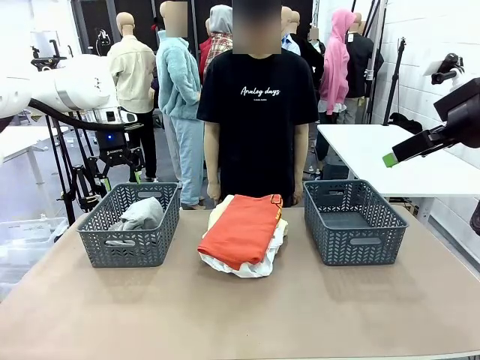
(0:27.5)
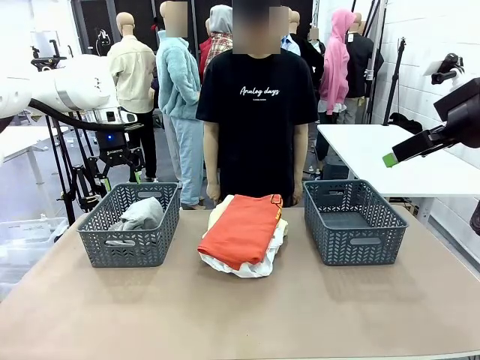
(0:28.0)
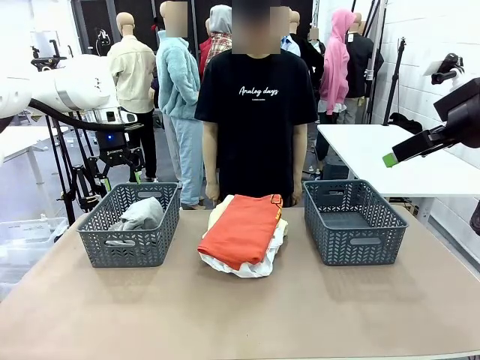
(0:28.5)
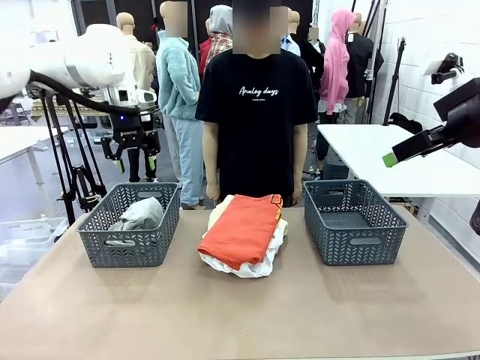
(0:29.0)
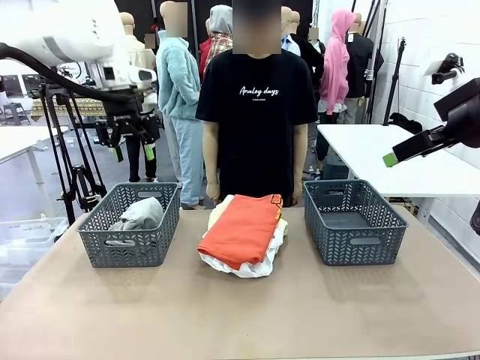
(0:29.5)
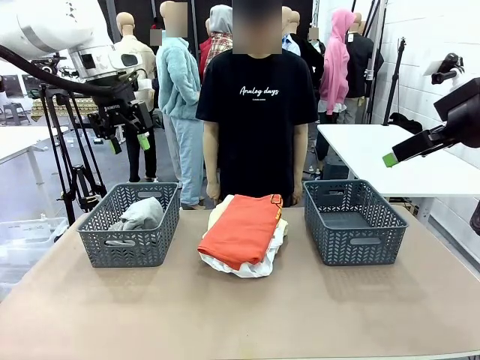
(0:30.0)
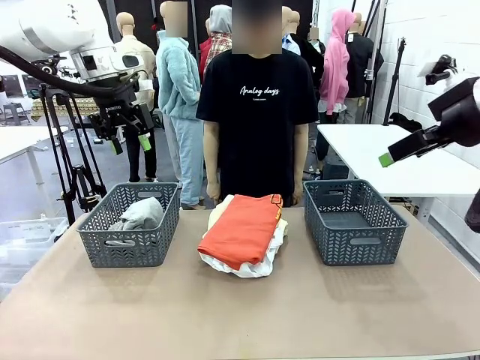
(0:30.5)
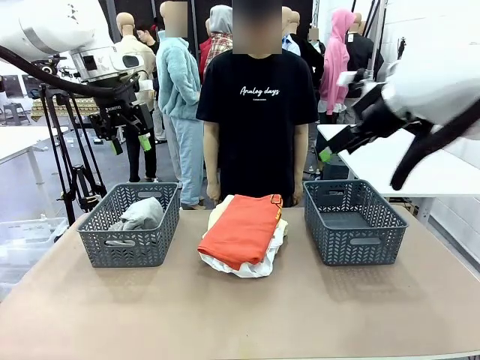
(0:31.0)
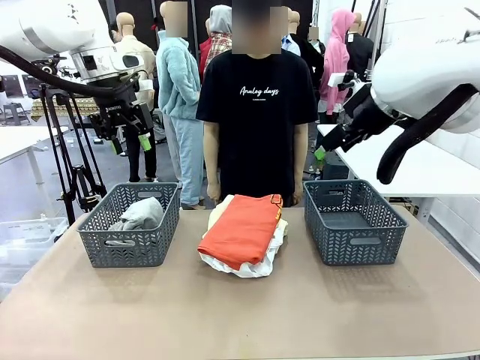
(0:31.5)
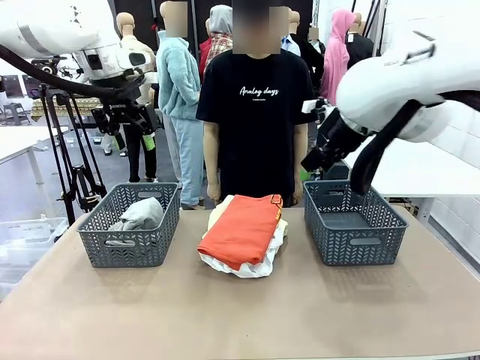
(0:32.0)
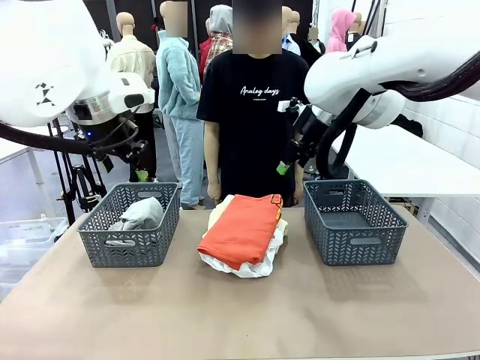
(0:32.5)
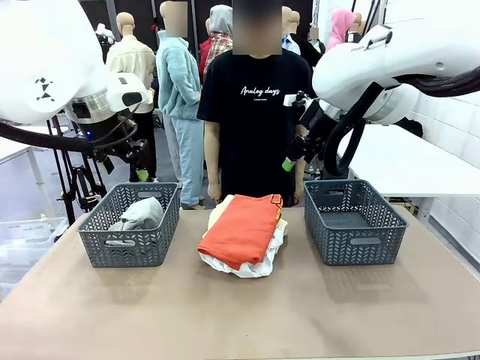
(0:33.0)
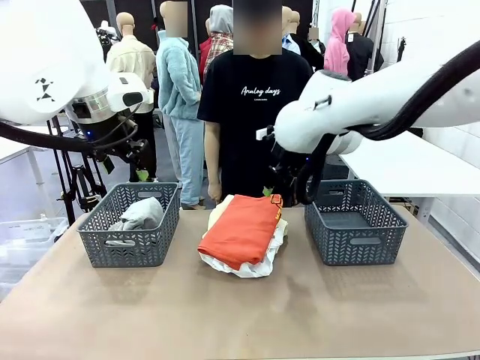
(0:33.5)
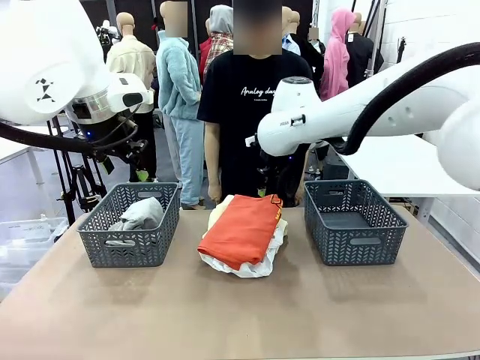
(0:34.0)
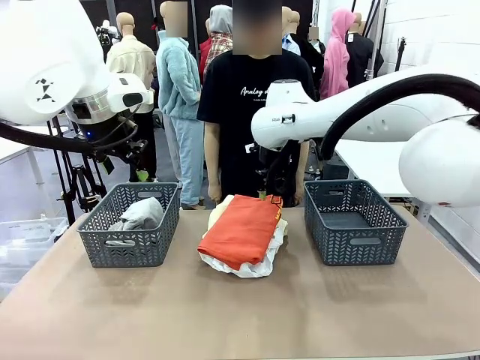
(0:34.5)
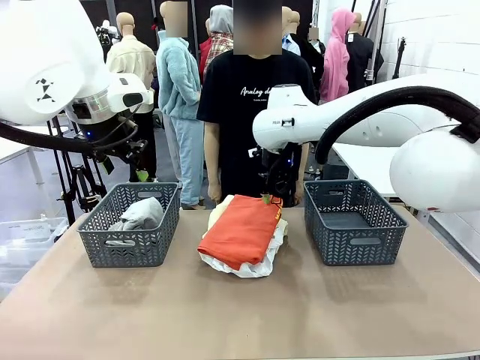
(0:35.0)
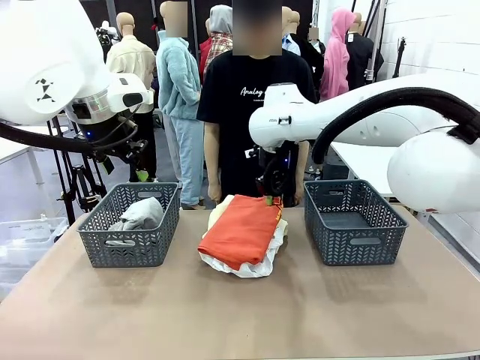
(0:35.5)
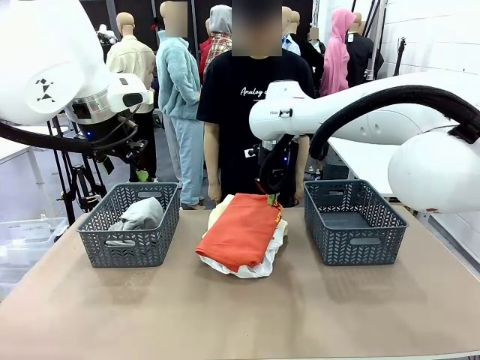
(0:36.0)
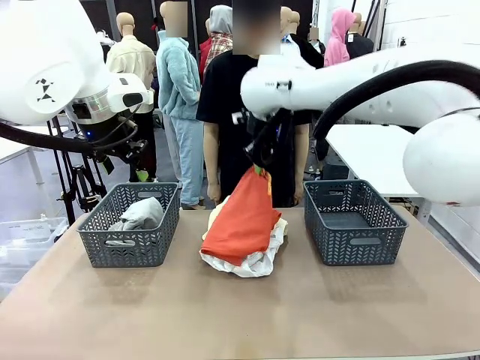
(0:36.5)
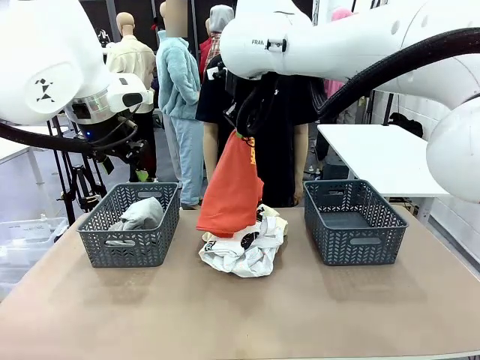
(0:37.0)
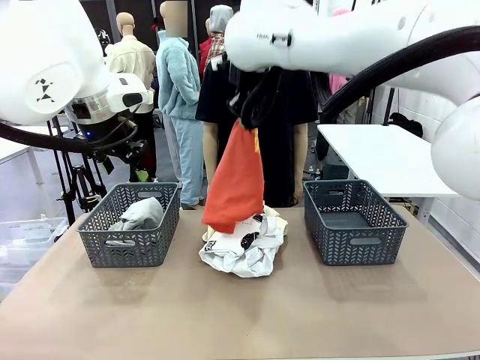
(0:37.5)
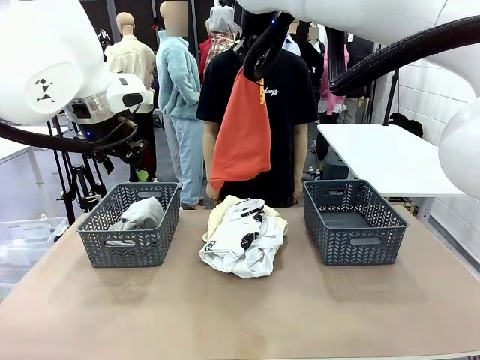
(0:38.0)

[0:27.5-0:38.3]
Task: Sort the tops and bottoms.
Robot: Lift clothes from the center of the table with your right hand.

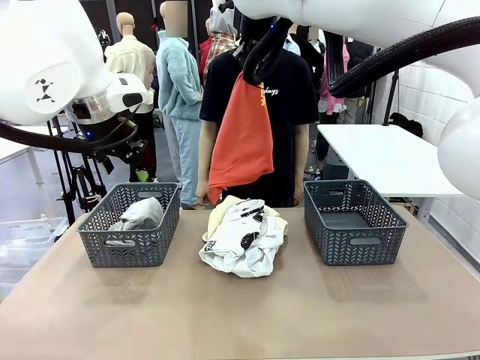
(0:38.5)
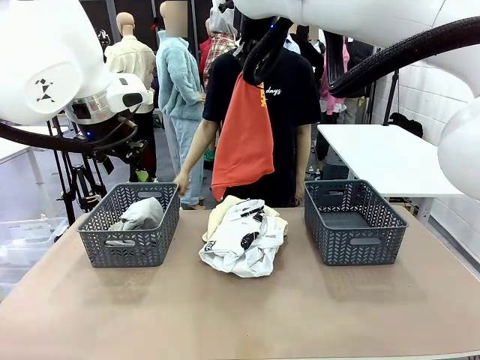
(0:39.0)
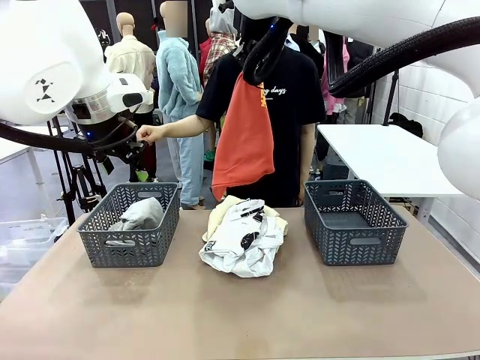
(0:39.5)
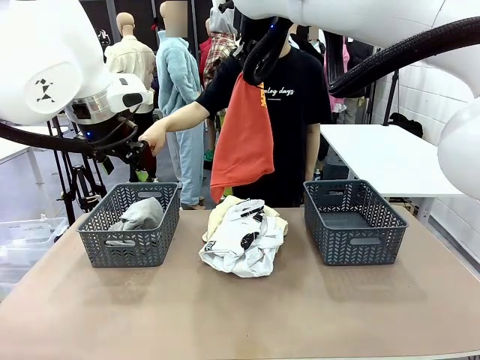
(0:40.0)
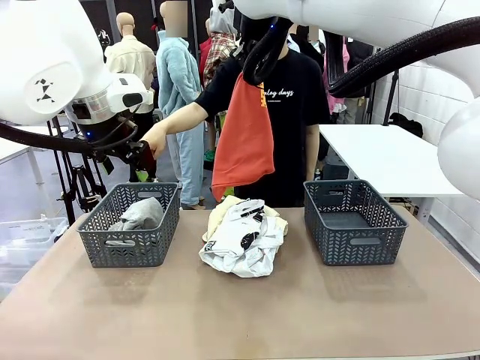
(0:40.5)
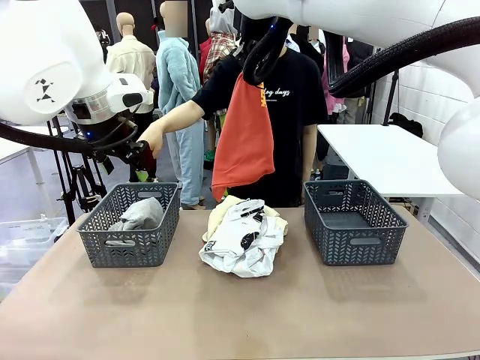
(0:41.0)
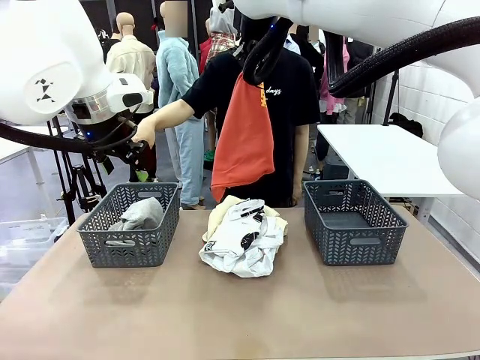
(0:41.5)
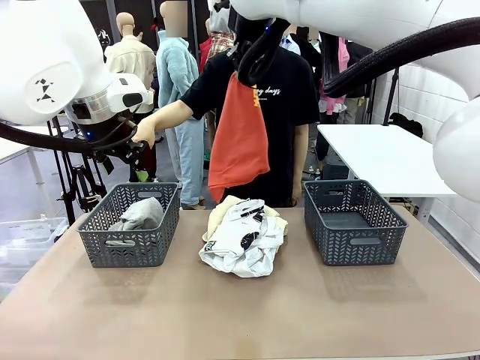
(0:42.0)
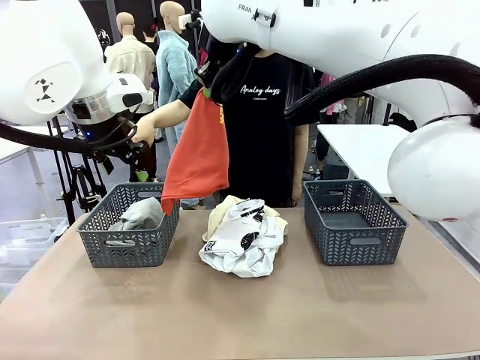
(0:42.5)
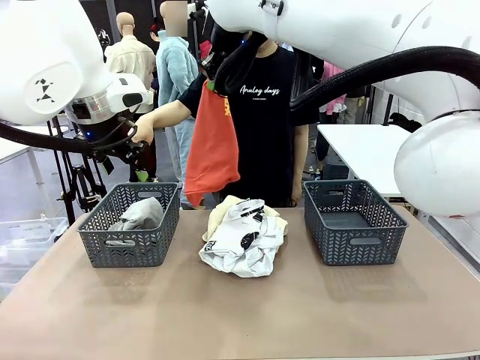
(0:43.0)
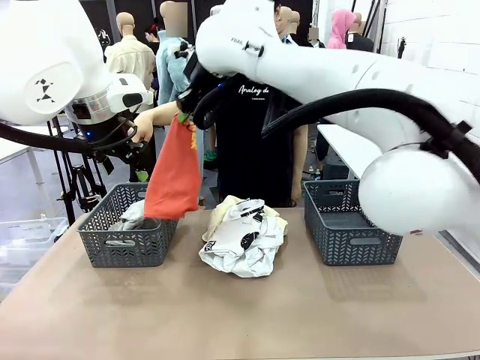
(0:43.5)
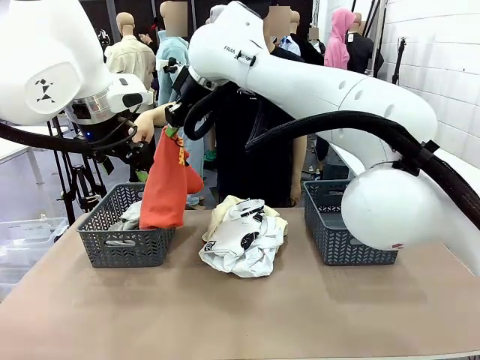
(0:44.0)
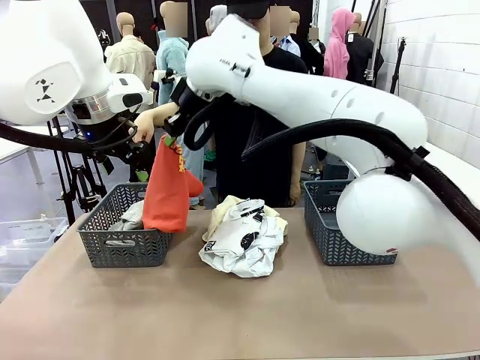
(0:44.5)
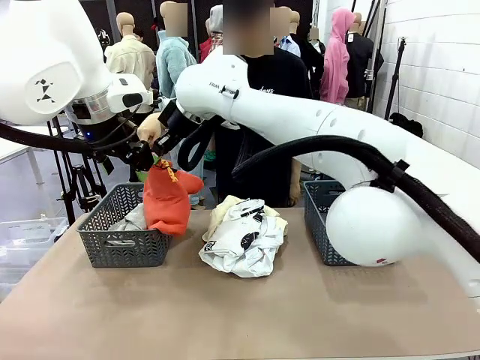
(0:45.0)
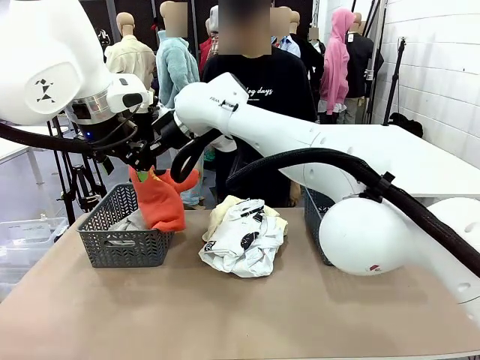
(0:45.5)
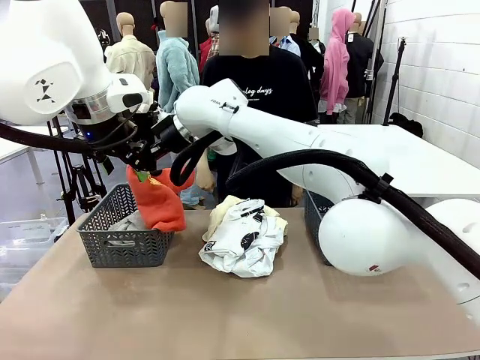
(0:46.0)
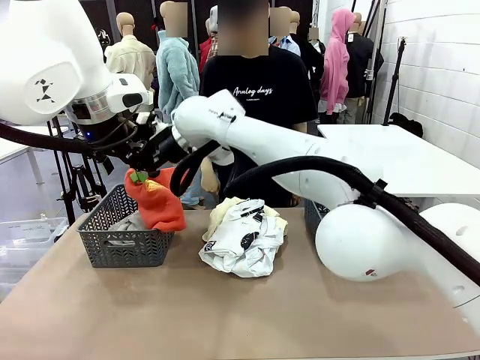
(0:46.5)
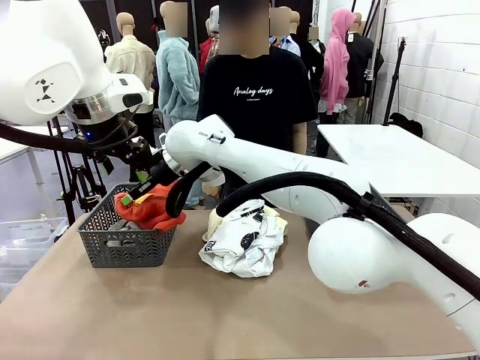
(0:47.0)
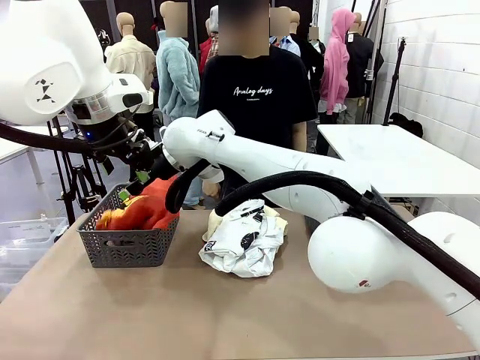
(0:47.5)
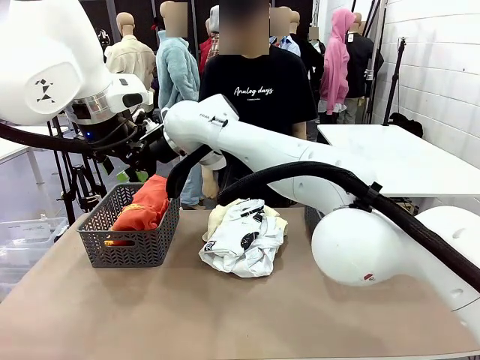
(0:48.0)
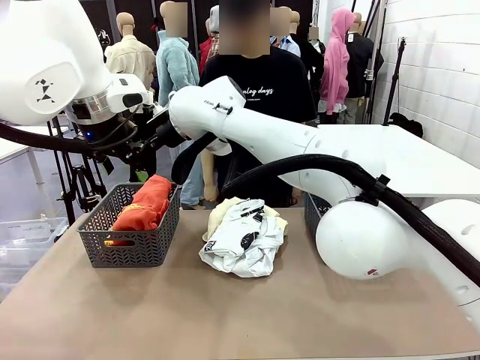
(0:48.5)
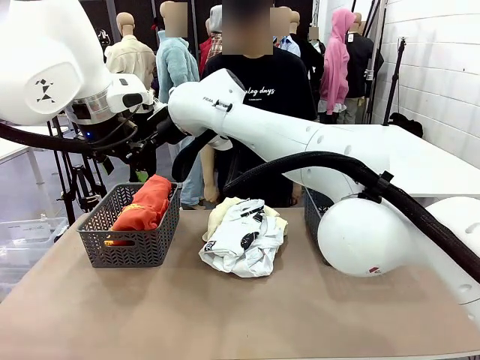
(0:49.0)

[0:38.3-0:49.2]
Robot: Sort the clothes according to human instructions.

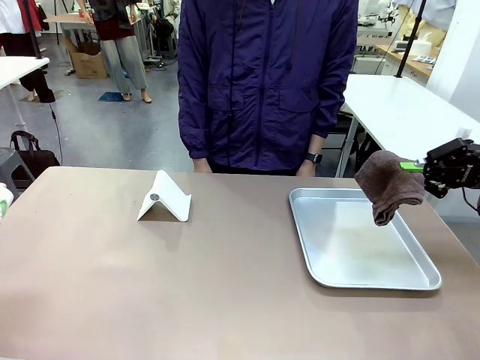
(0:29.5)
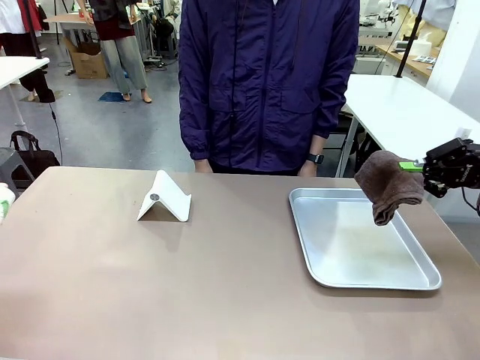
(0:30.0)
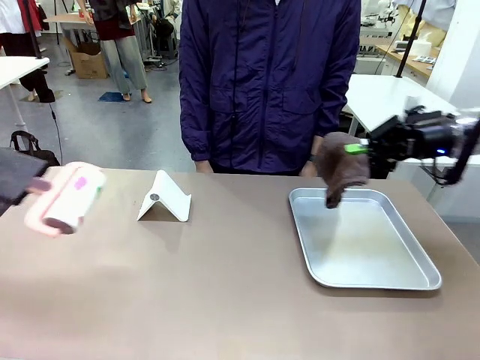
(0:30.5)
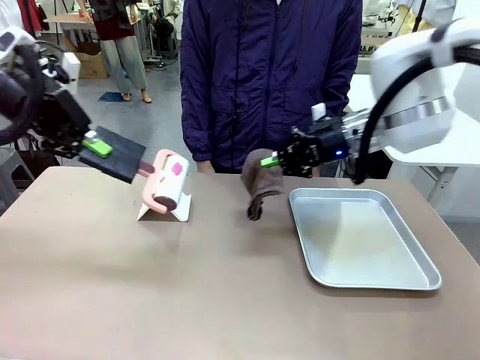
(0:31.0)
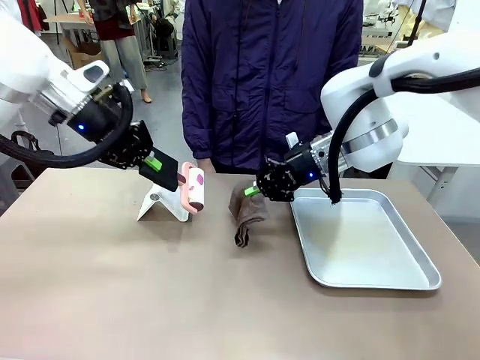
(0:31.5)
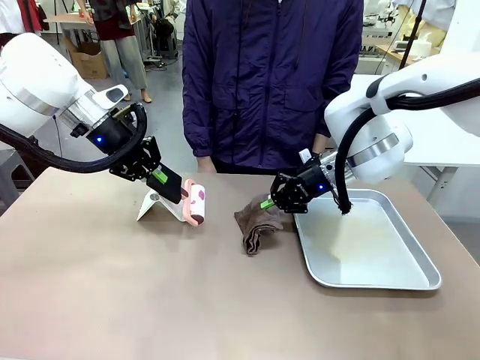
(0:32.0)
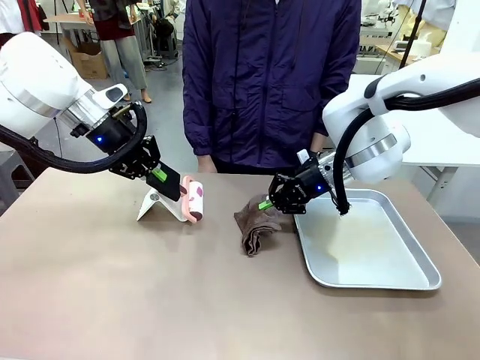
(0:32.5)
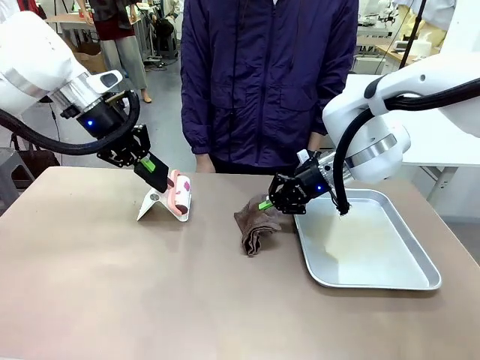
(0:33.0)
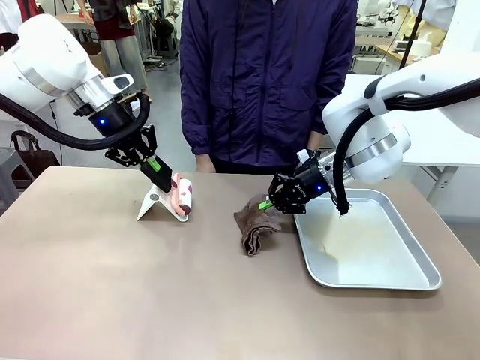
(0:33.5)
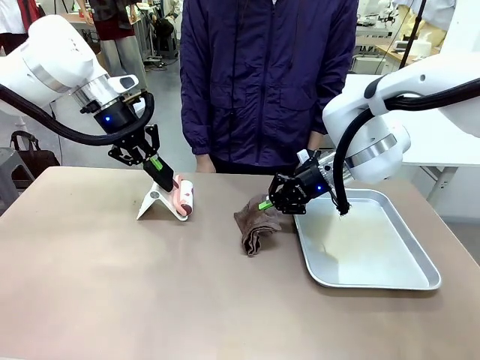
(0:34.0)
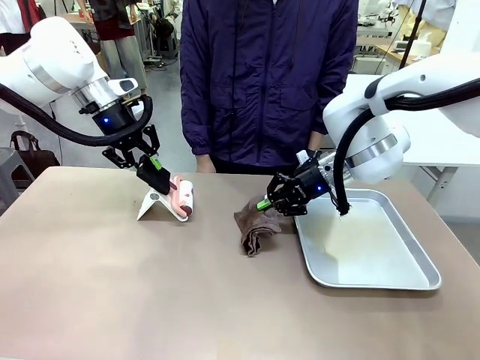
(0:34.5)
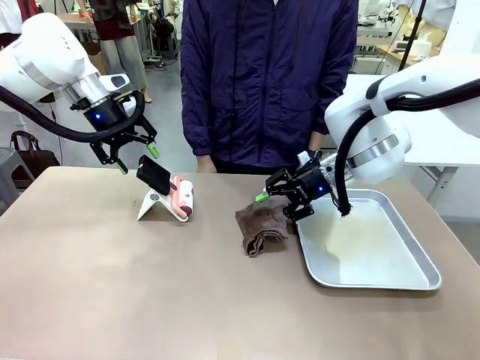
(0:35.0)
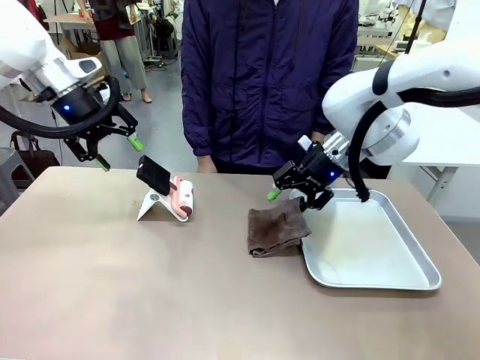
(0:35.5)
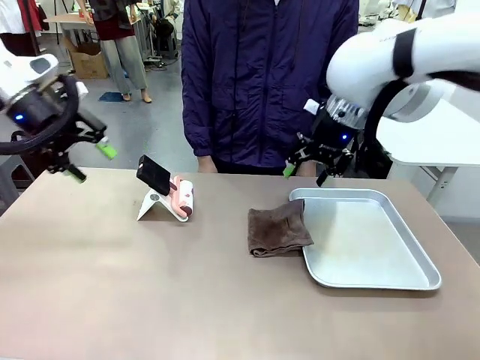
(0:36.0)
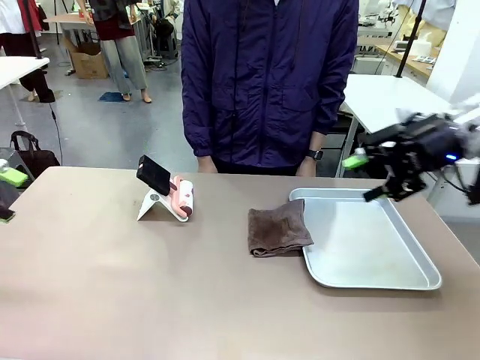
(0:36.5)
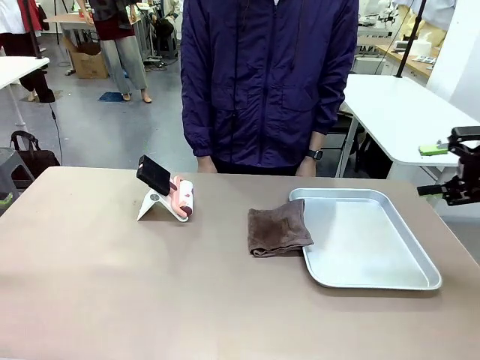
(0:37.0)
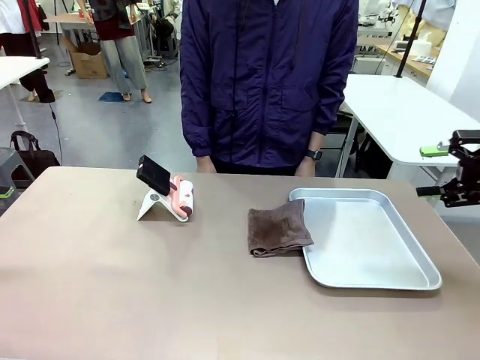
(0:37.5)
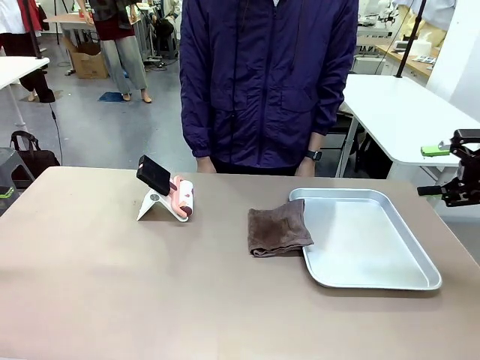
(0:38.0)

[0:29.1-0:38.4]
Task: Clean the surface of the table.
Robot: Return the Lint Roller and towel to their original positions.
